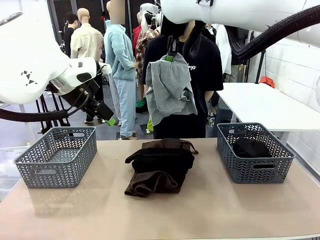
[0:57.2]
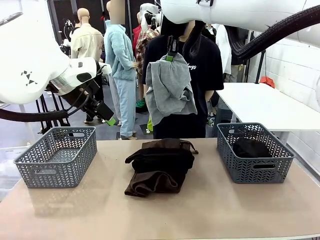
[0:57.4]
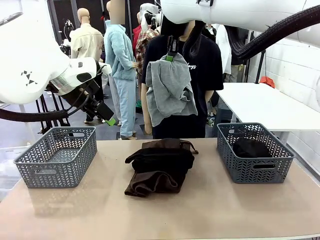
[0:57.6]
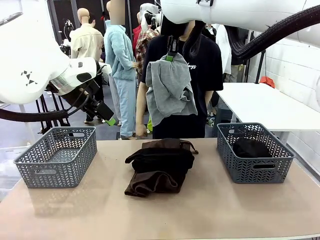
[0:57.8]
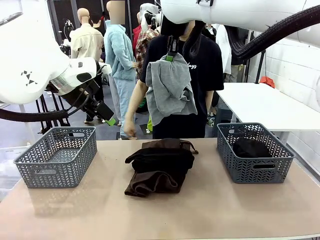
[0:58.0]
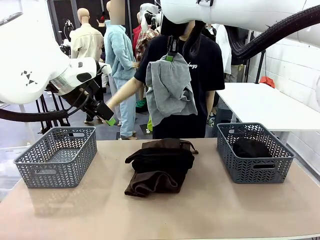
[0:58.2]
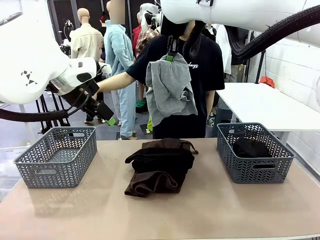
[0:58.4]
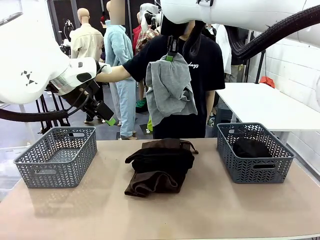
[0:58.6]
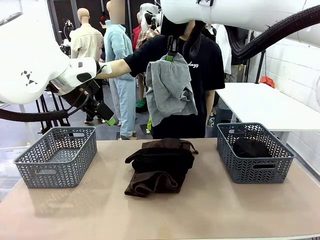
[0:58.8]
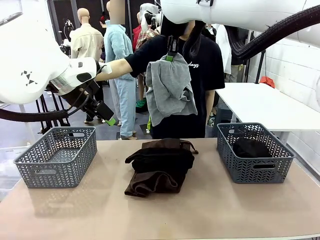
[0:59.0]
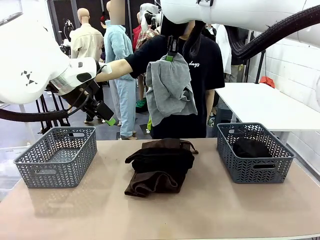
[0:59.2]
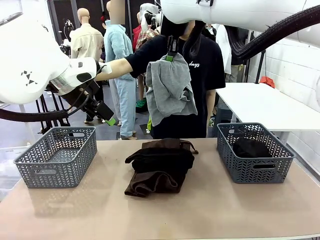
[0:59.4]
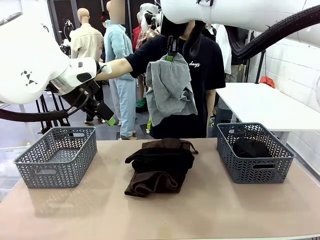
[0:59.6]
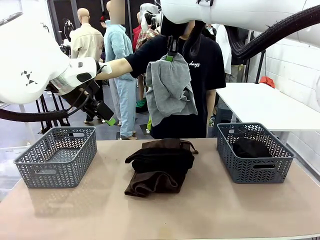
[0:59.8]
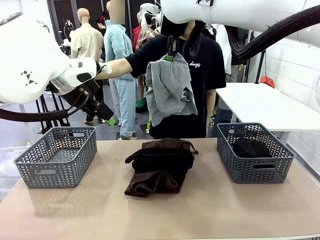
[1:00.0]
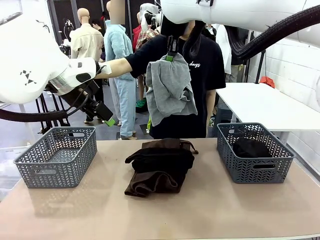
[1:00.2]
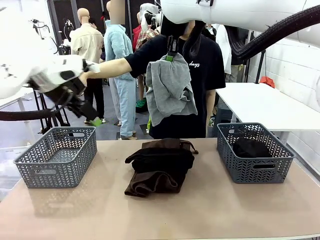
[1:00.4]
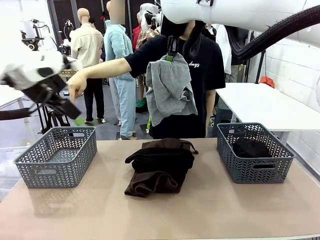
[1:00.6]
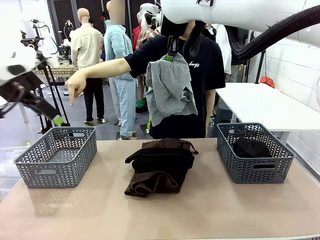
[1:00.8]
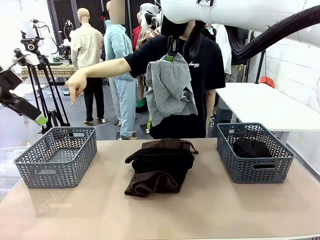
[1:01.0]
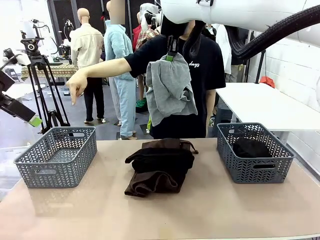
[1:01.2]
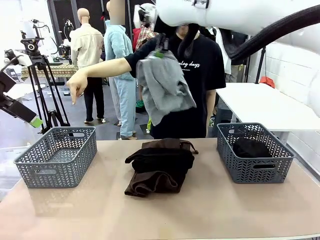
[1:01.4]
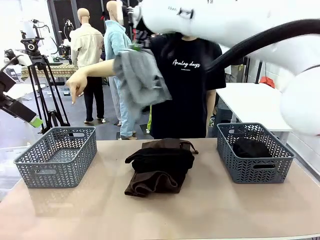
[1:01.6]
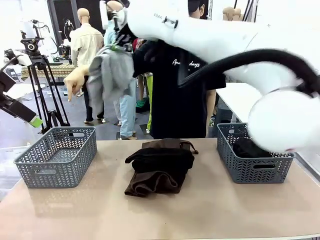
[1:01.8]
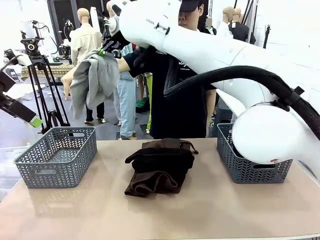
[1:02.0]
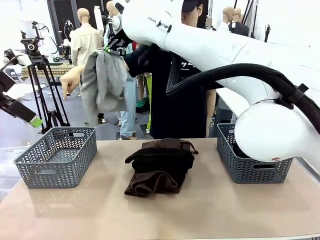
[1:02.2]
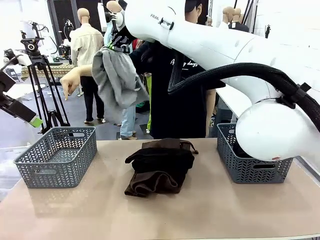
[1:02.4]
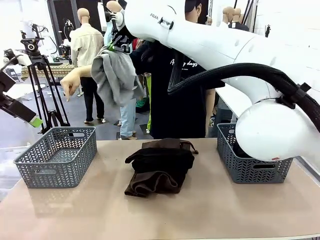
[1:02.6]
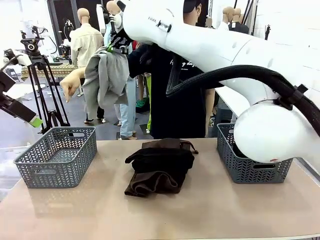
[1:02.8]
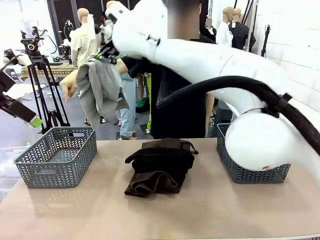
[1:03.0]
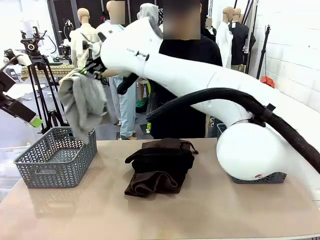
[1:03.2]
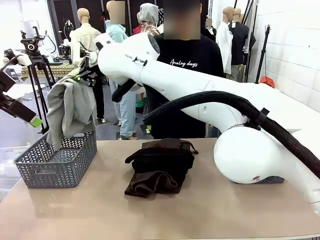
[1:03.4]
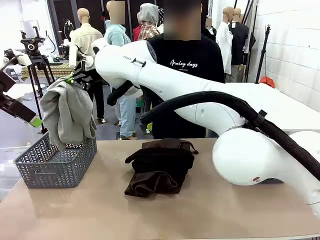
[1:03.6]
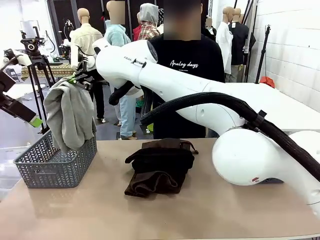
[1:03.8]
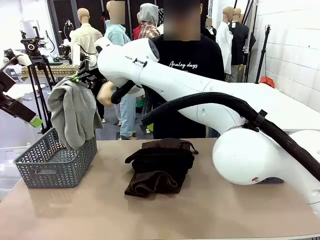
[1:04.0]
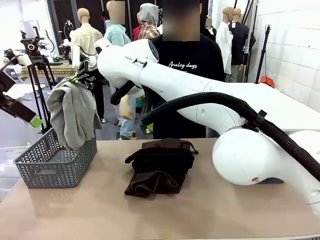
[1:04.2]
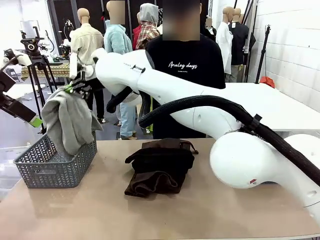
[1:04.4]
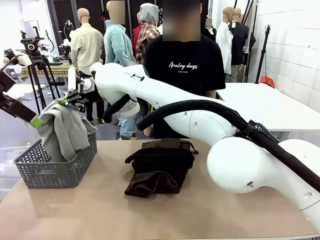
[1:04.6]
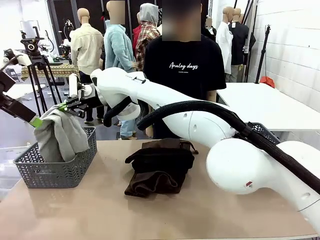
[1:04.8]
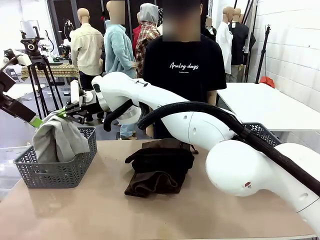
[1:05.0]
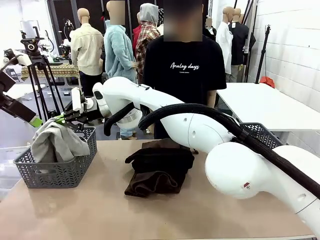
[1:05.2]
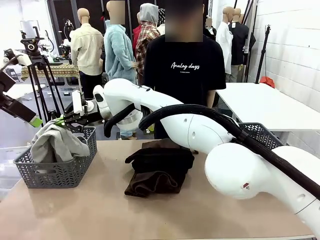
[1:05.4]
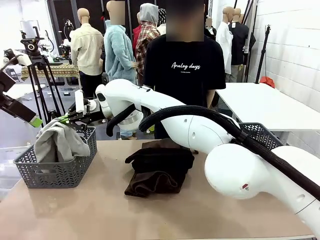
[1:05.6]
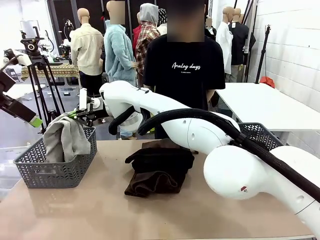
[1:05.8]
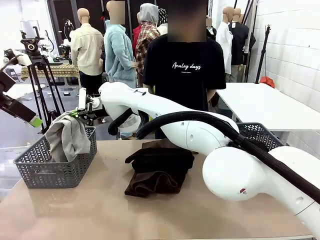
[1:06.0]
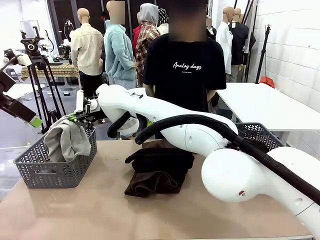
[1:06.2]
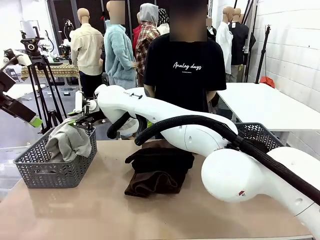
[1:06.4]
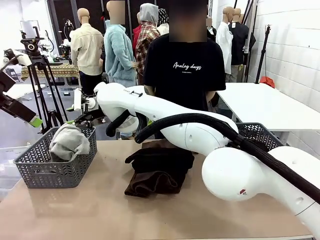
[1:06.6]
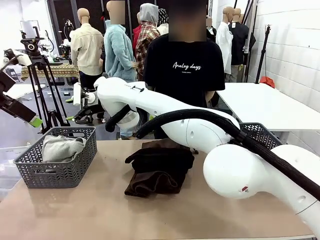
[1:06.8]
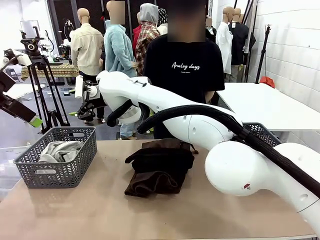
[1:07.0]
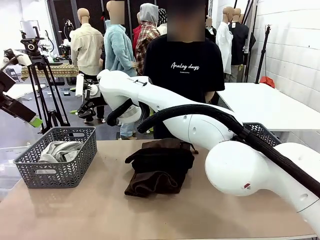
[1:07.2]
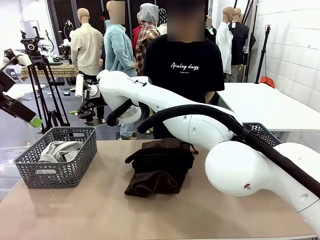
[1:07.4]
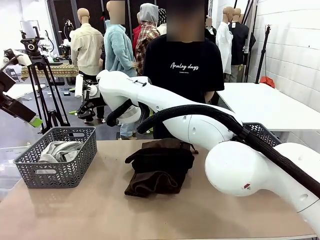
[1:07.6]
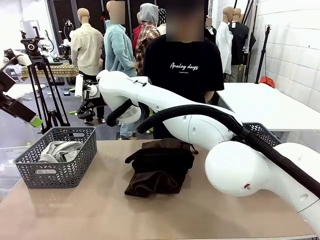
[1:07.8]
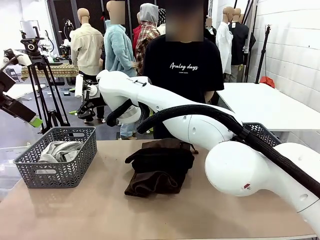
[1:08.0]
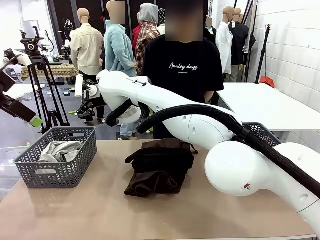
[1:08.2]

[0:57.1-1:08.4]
Task: Sort the tops and bottoms.
Robot: Sort the clothes according to human instructions.

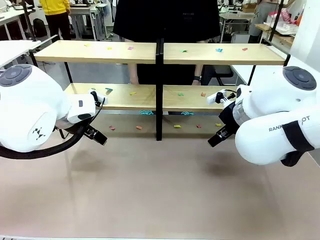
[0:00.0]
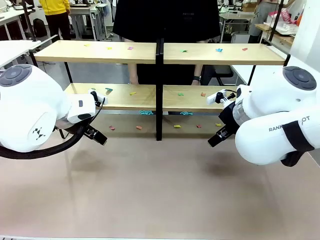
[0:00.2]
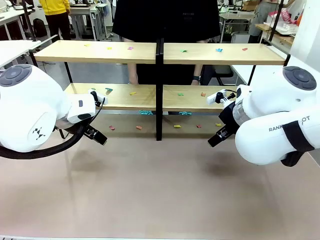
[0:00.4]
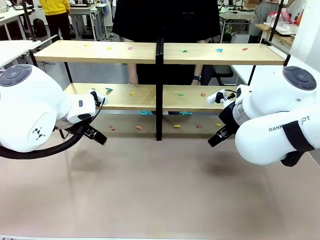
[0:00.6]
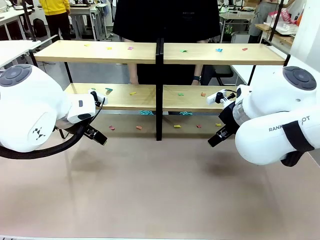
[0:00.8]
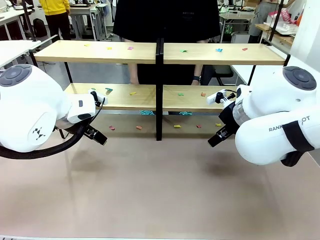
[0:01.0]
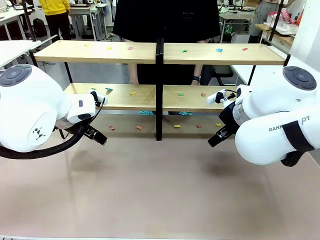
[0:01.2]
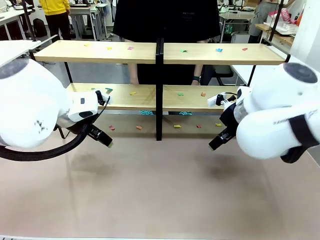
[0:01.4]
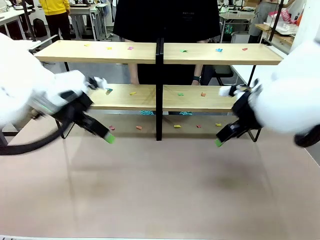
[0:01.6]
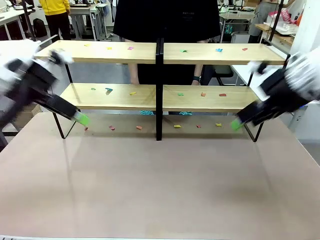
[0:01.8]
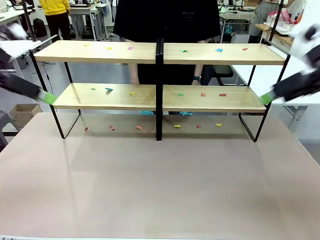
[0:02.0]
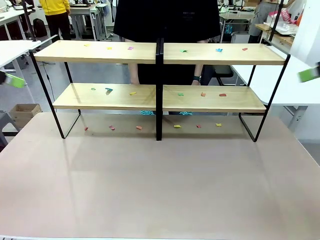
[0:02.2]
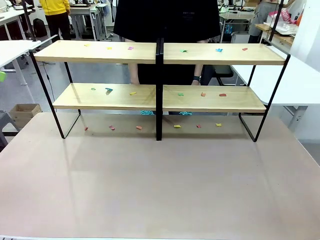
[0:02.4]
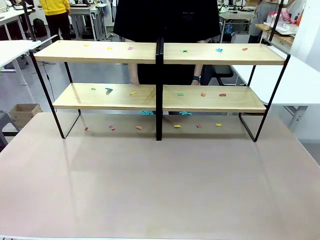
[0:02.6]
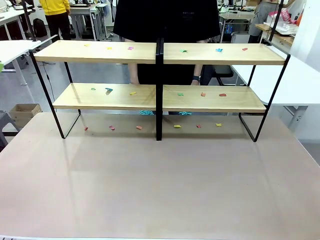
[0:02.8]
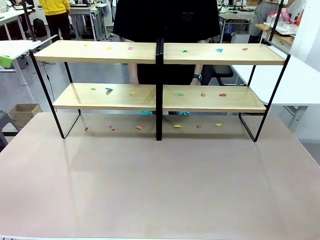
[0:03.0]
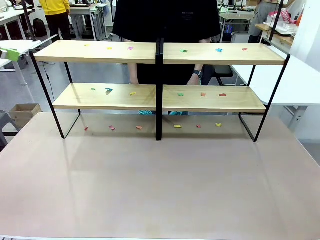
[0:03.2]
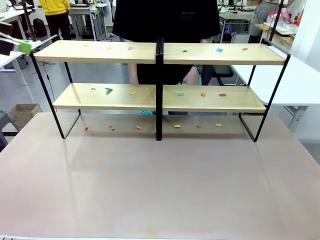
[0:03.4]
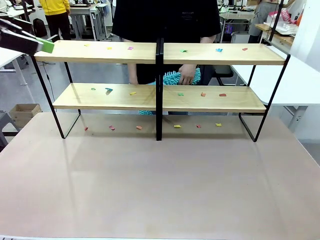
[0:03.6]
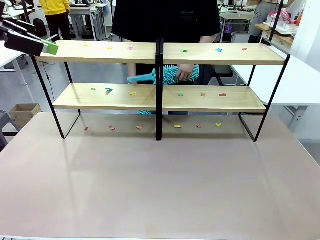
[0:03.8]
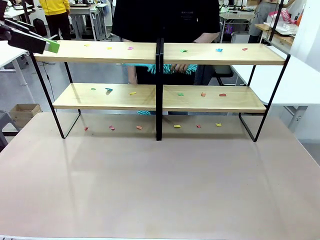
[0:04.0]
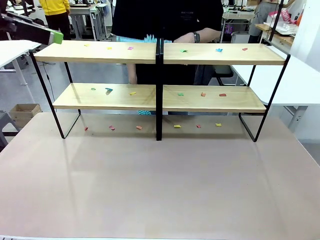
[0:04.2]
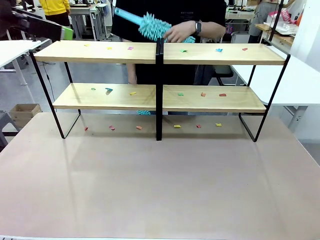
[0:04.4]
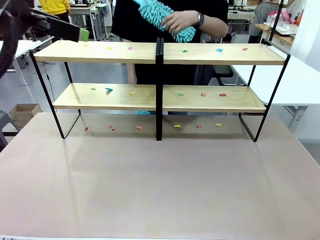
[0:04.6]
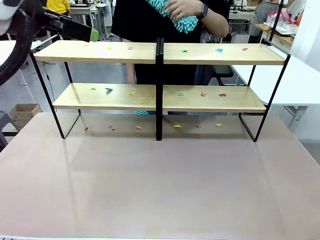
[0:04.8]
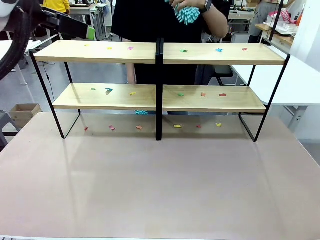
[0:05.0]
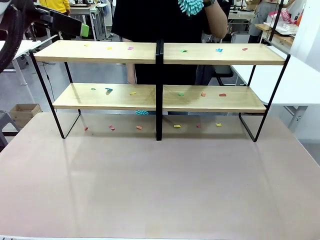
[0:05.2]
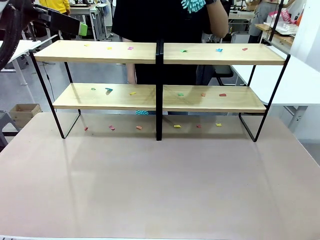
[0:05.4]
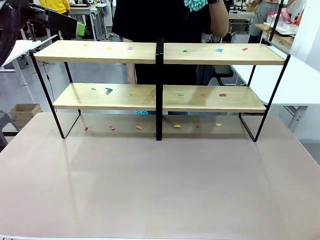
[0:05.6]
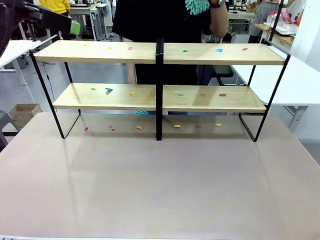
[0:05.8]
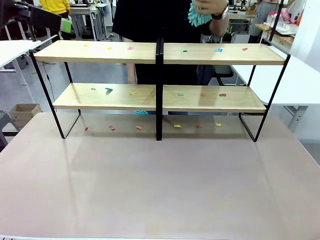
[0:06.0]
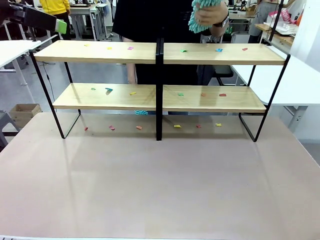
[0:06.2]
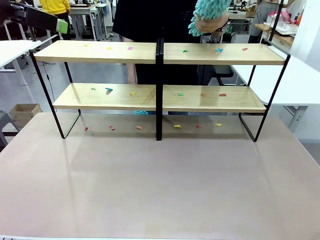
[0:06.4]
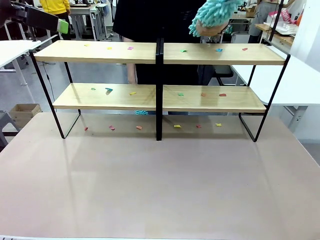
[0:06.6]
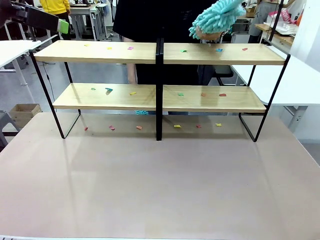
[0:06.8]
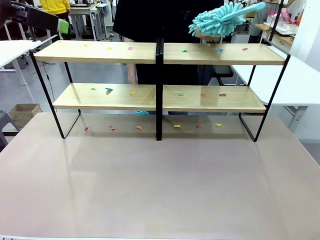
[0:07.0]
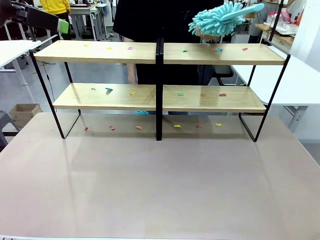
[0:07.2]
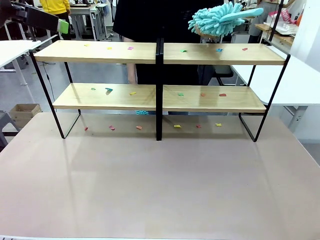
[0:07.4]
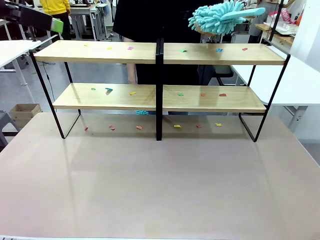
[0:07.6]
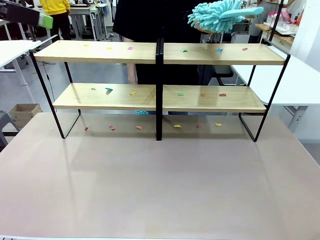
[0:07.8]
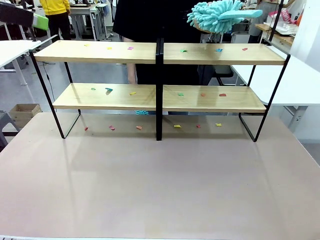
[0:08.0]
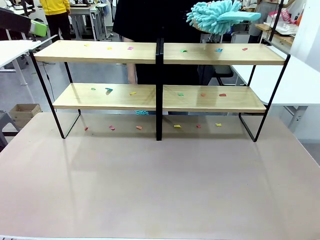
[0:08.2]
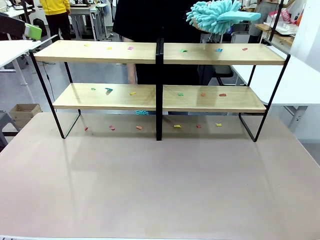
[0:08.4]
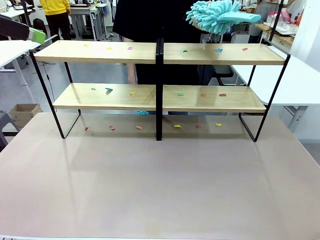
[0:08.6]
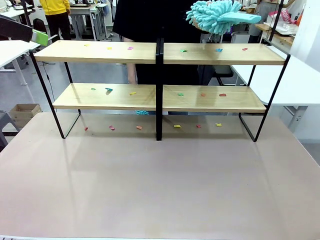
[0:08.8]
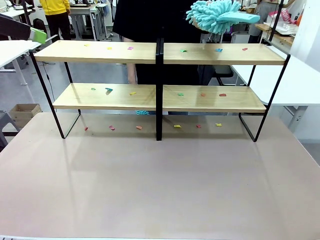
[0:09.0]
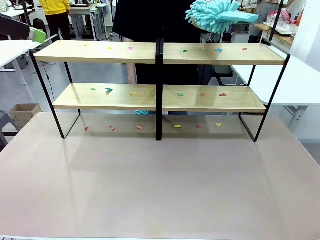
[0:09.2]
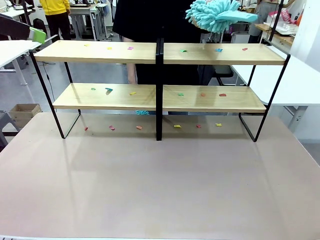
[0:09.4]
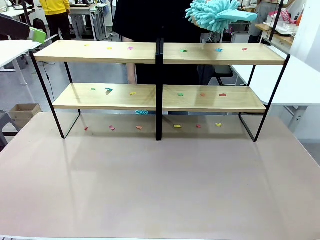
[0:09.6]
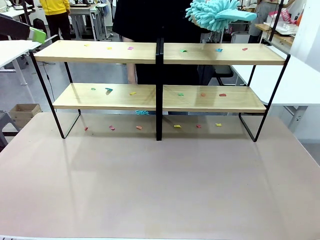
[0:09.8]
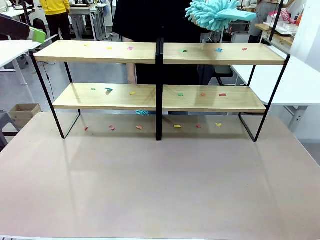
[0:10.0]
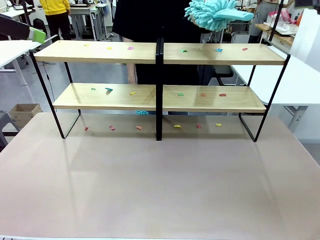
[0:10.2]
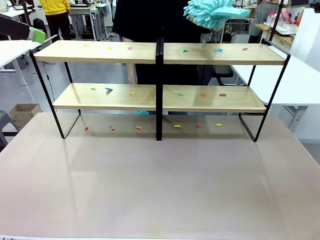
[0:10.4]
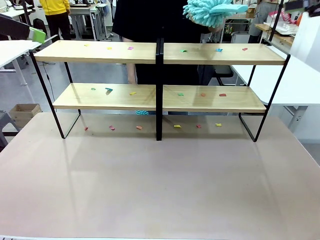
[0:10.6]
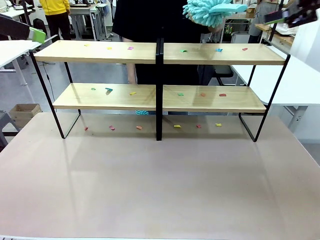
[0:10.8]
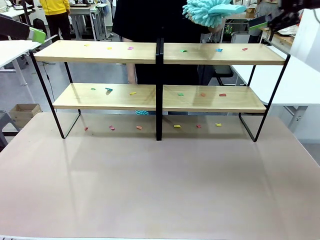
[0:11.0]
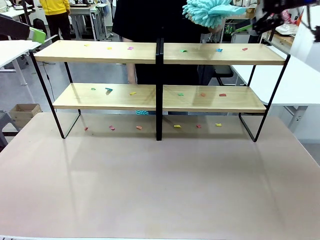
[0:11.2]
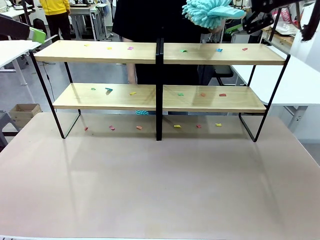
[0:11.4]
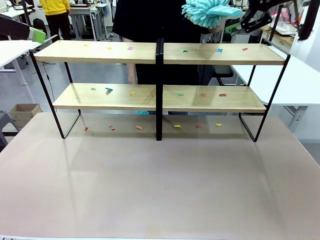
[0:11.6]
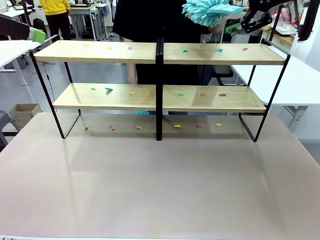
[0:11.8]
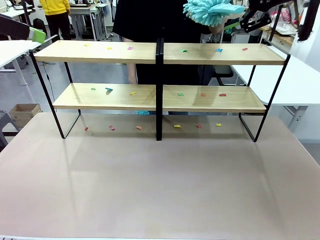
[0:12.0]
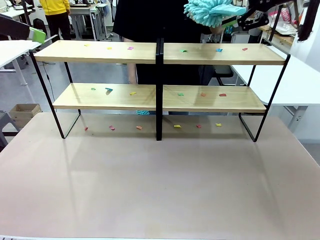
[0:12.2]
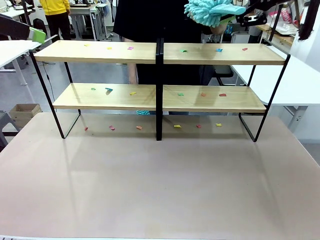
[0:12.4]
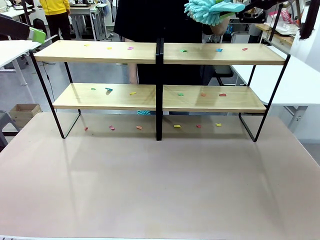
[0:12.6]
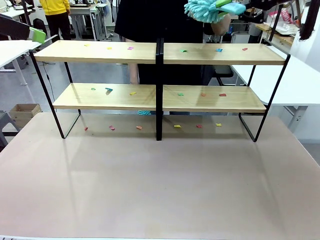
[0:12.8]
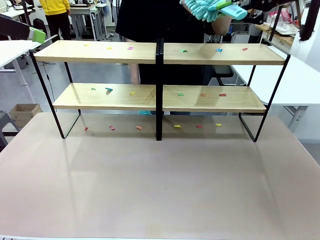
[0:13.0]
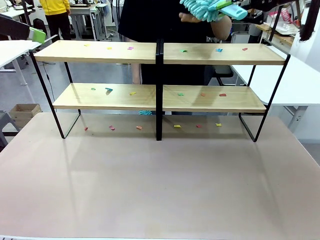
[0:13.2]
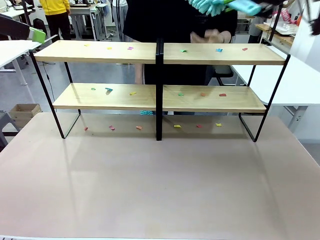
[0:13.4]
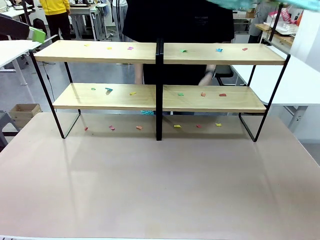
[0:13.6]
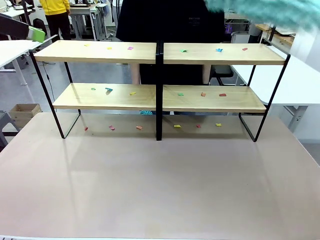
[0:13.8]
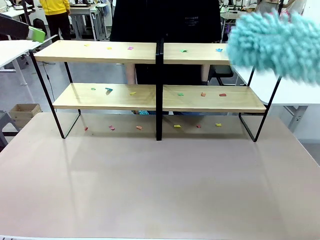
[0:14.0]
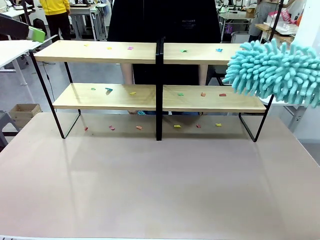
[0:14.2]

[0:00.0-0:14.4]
Task: Clean the shelves.
Robot: Pick up the Duster when the human hands it over.
Person: Hand the Duster to the robot with your right (or left) hand.
